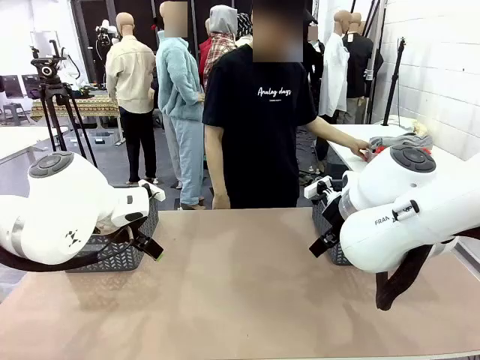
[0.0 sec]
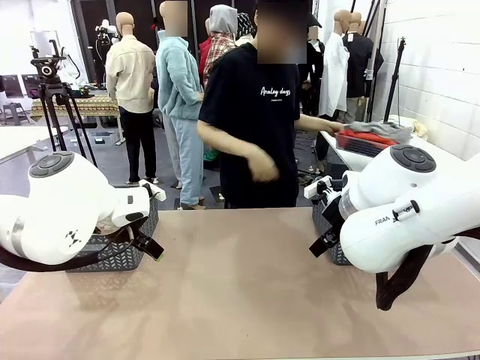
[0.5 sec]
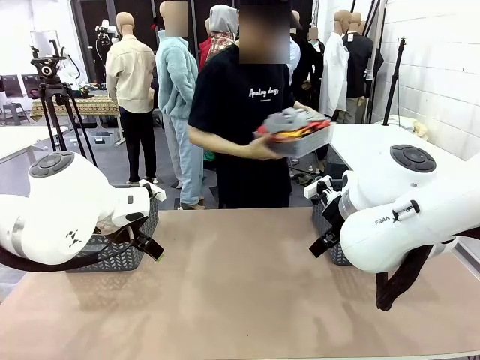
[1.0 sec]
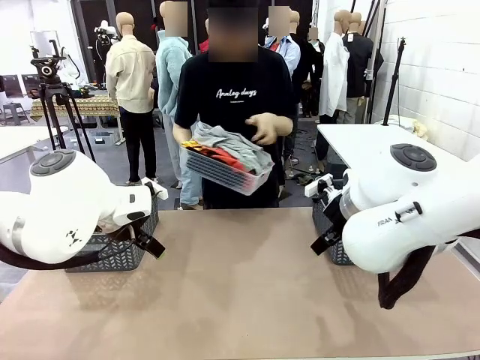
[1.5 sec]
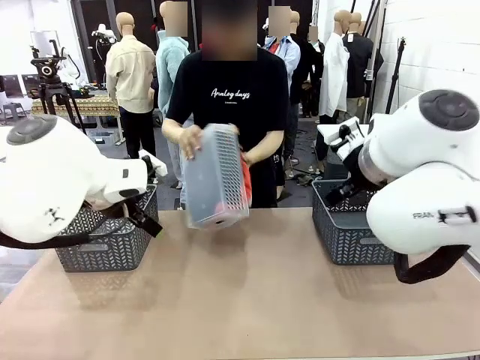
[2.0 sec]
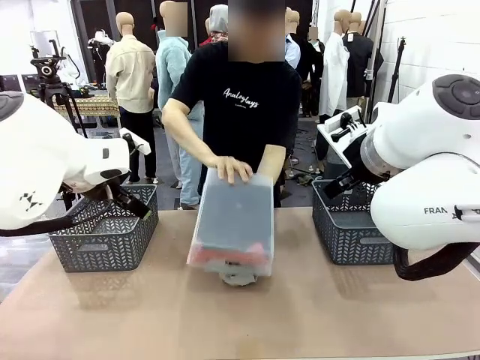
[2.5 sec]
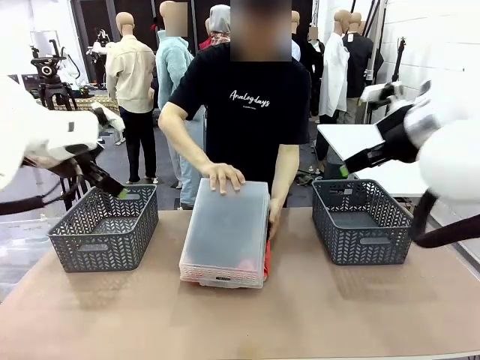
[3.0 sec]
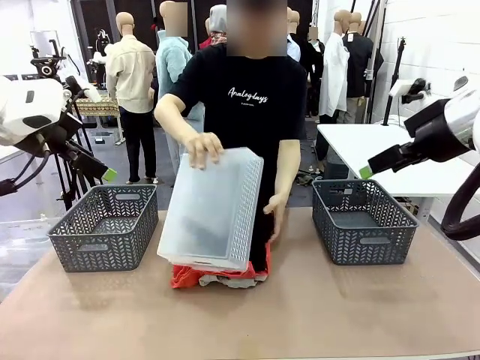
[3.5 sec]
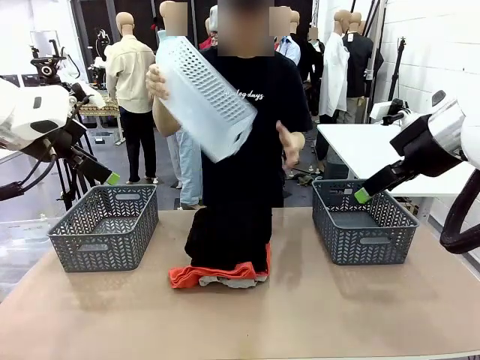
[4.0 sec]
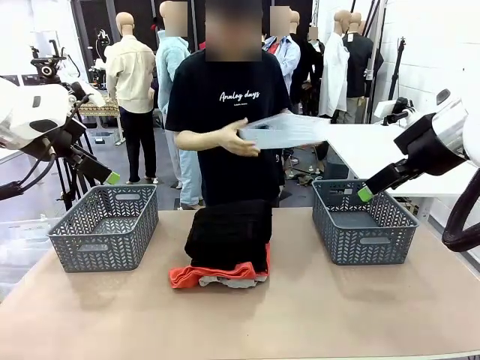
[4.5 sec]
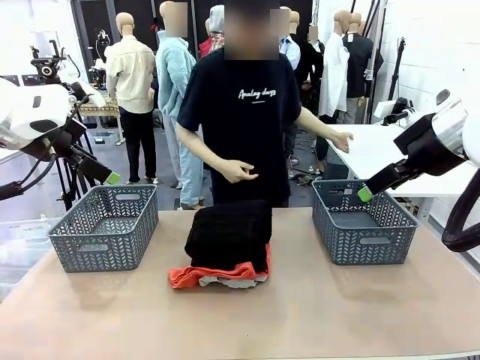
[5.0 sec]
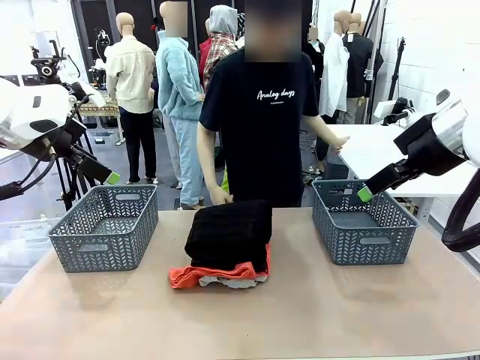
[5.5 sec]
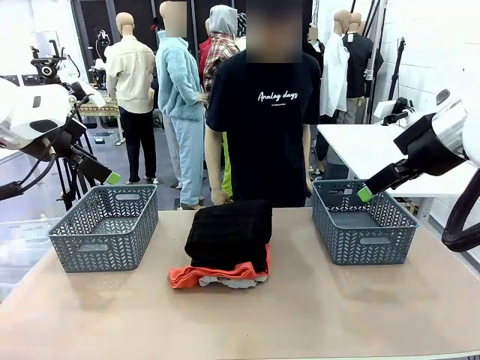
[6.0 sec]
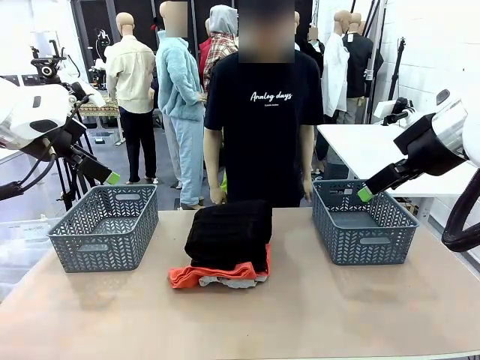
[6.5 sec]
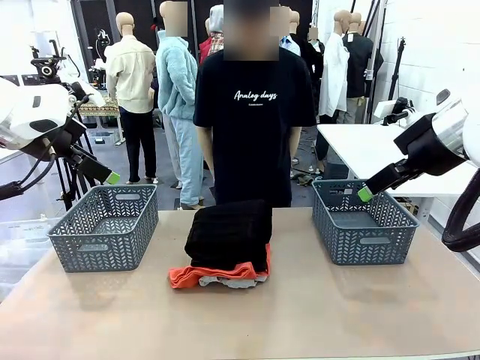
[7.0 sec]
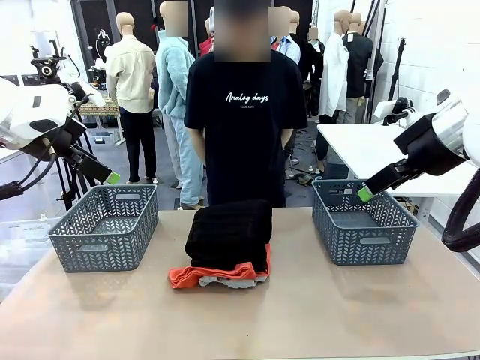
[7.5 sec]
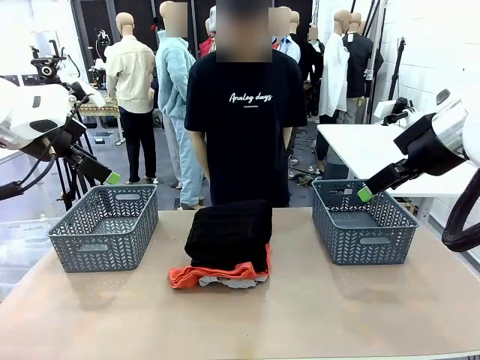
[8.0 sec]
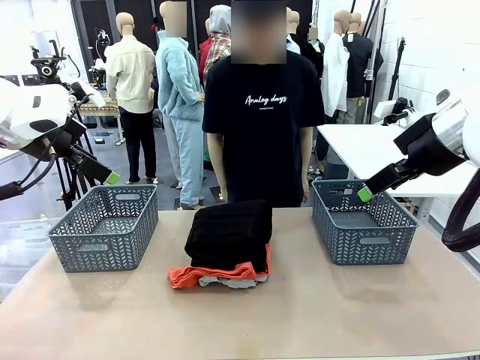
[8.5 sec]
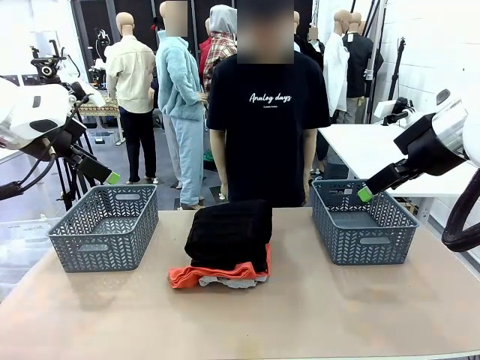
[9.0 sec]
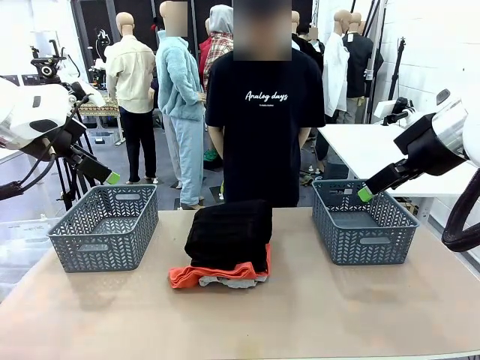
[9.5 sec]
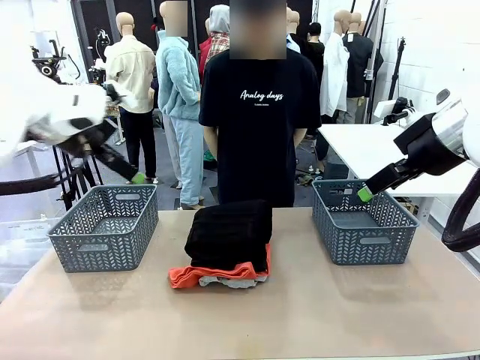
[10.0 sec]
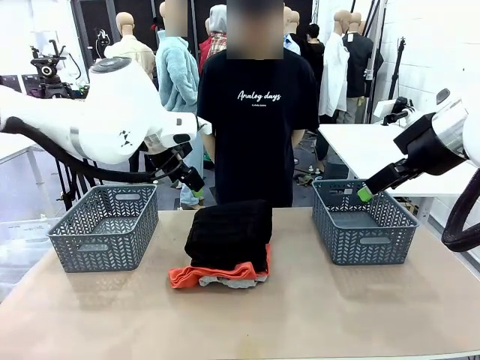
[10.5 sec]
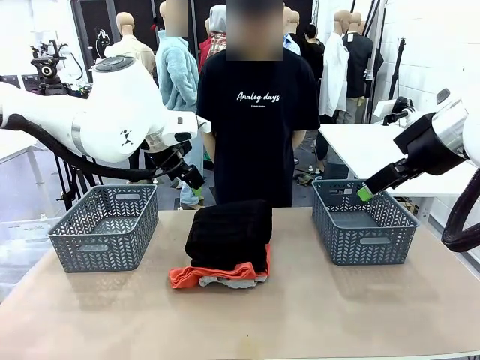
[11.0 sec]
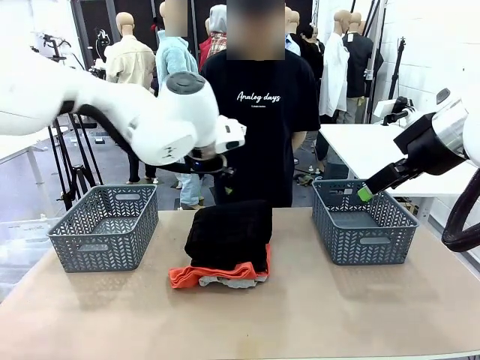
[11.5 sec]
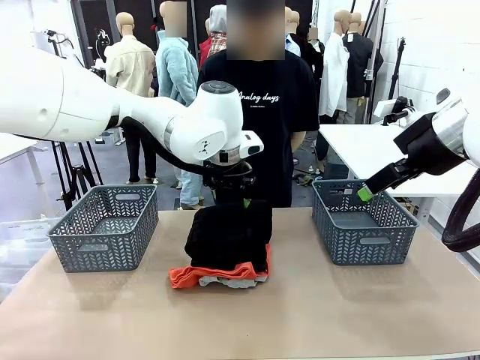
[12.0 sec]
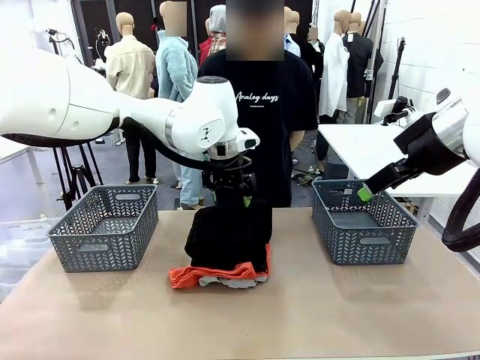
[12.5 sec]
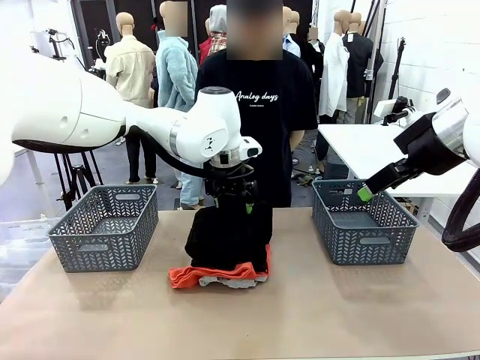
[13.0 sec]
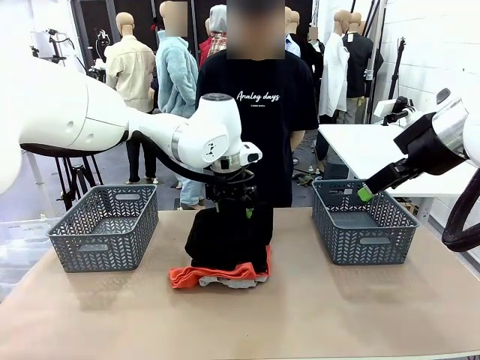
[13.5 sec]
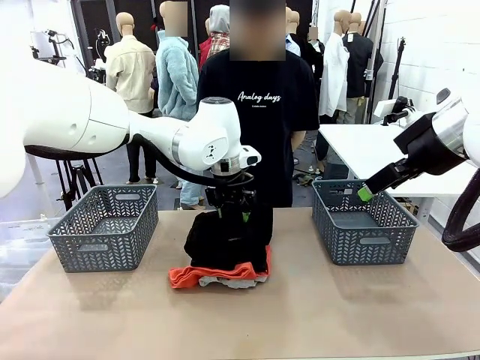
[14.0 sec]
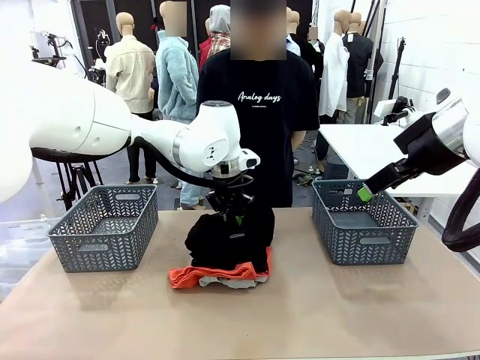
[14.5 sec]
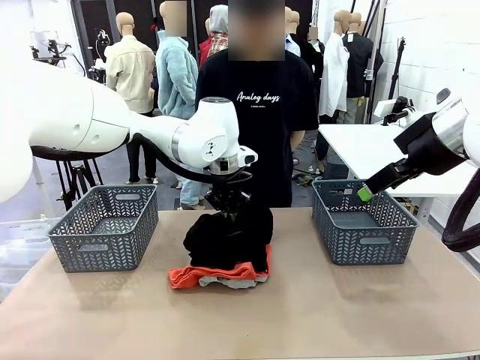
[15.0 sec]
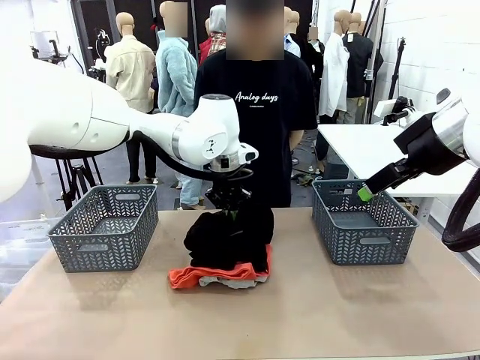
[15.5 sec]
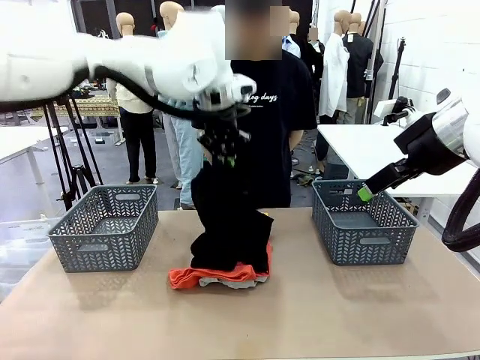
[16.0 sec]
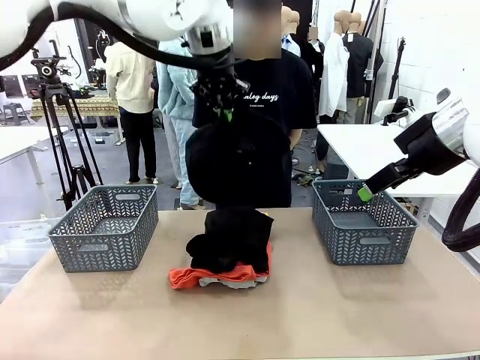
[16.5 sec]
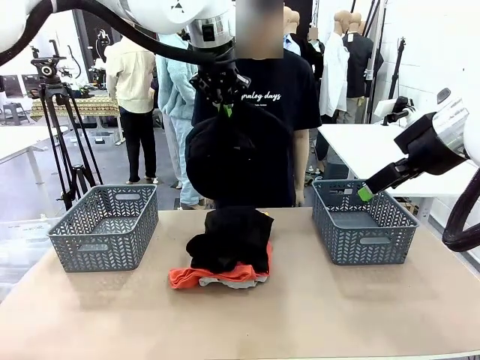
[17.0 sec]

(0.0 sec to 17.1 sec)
Task: Sort the tops and bottoms.
Robot: Lift clothes from the center of the table with your left hand.
Person: Pour the clothes from the basket onto the center of the robot table.

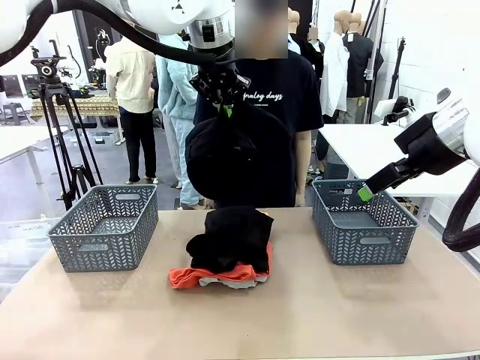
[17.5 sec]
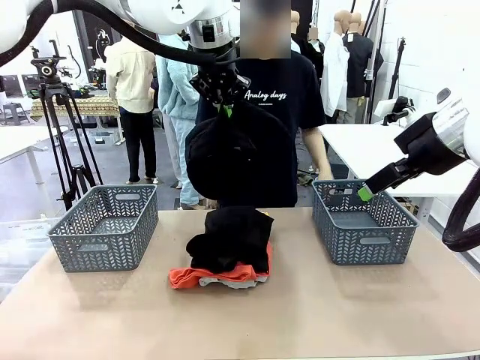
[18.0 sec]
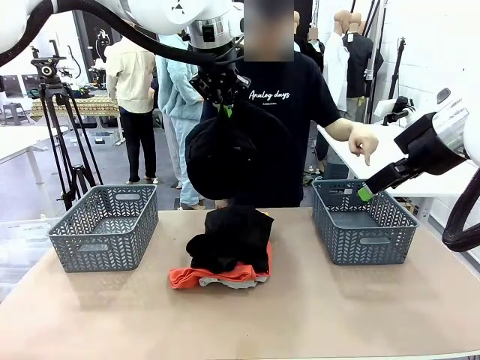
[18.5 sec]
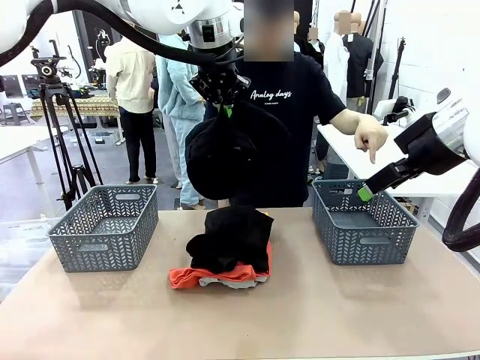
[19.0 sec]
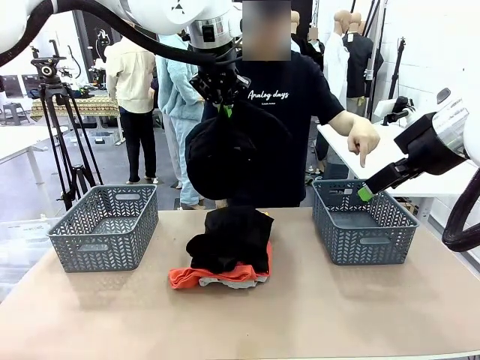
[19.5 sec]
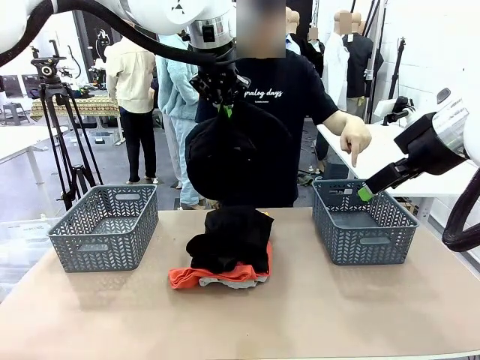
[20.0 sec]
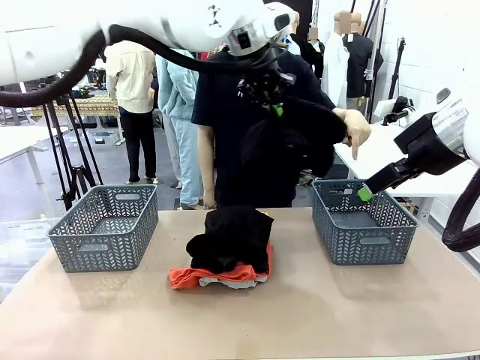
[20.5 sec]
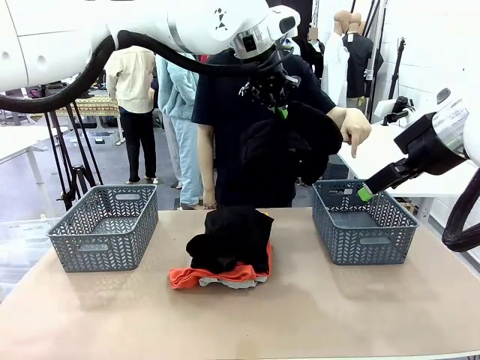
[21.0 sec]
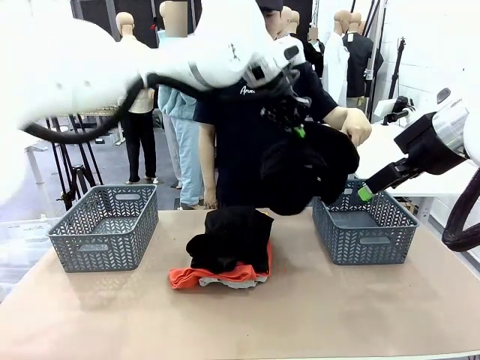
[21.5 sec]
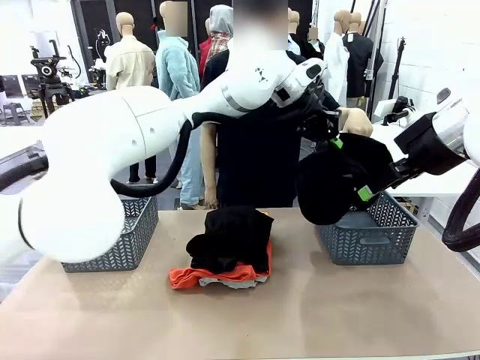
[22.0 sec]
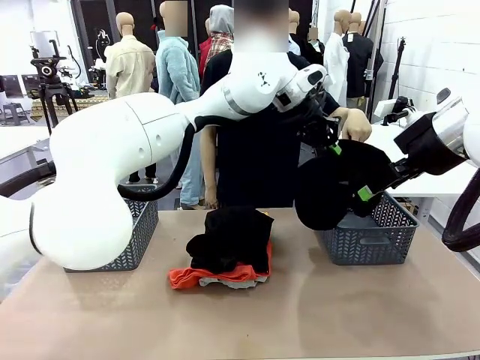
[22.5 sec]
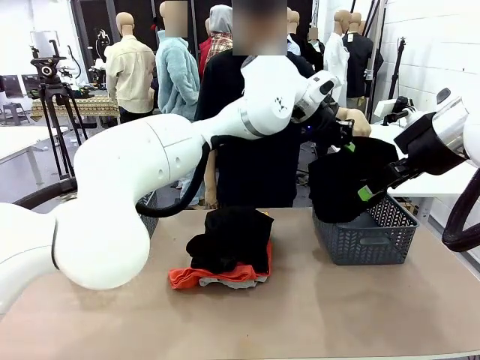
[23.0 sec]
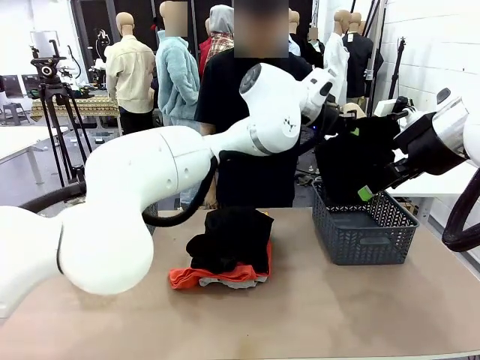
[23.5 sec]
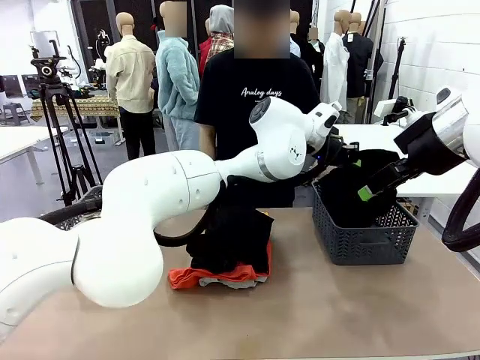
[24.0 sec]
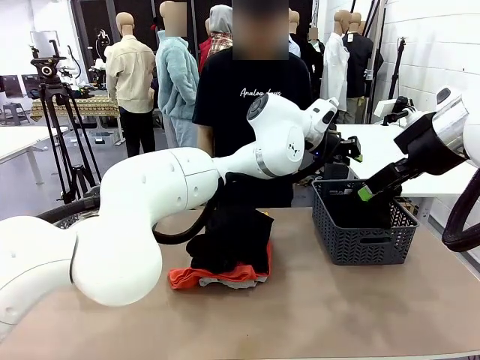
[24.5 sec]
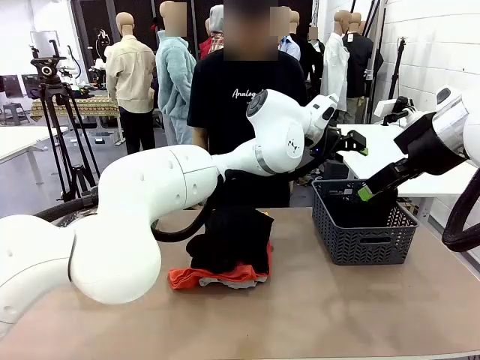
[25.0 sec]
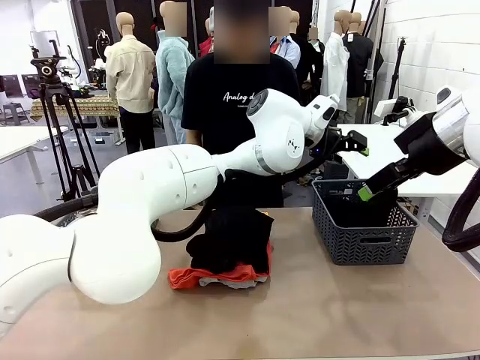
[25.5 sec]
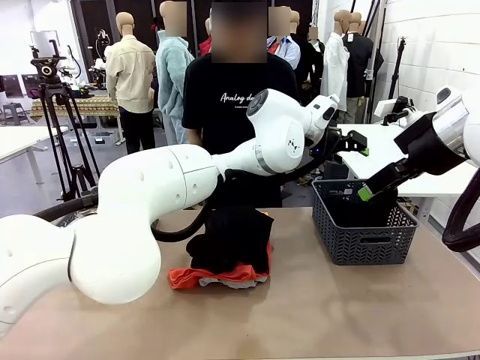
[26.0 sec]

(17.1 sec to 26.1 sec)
Robot: Sort the clothes according to human instructions.
